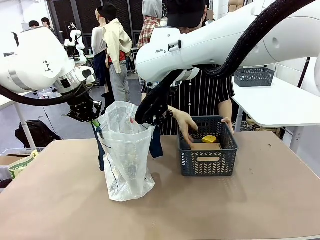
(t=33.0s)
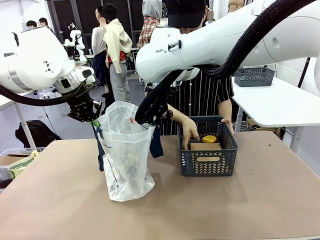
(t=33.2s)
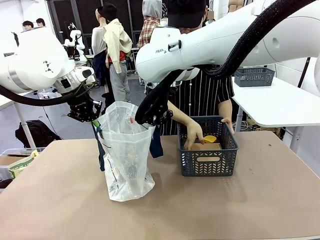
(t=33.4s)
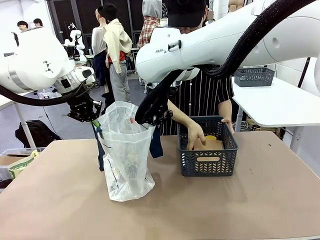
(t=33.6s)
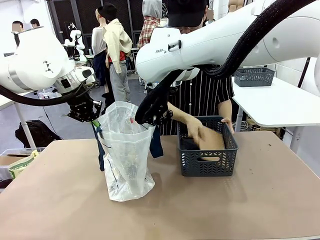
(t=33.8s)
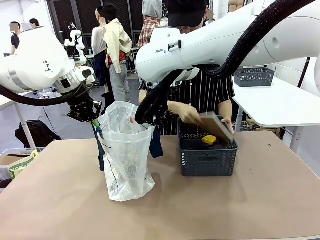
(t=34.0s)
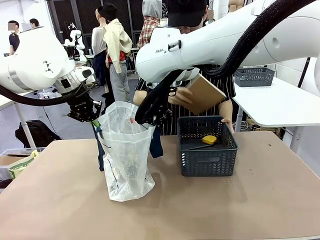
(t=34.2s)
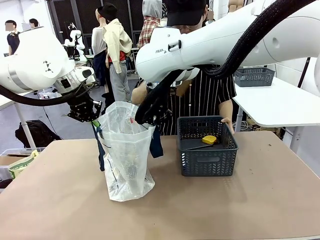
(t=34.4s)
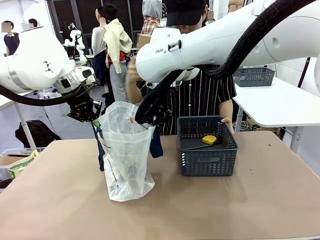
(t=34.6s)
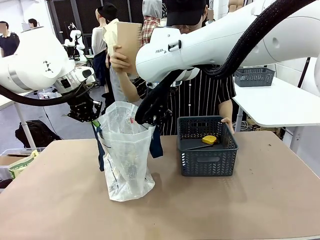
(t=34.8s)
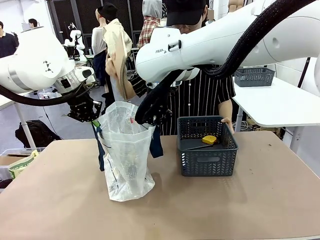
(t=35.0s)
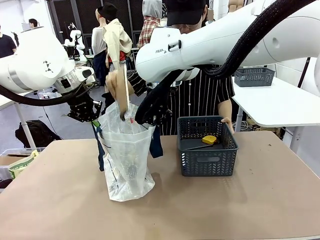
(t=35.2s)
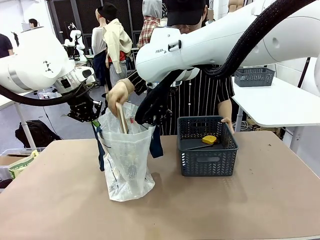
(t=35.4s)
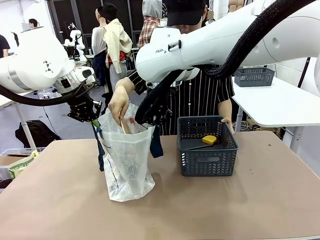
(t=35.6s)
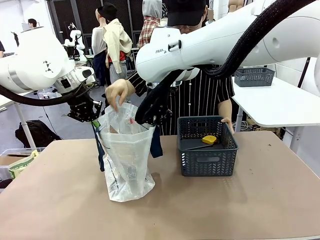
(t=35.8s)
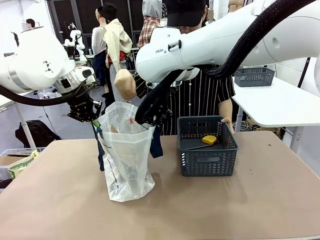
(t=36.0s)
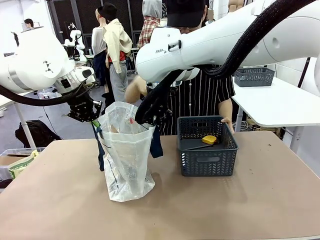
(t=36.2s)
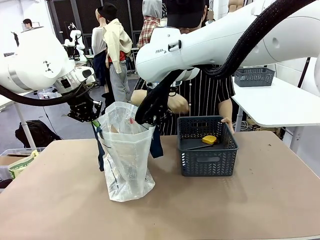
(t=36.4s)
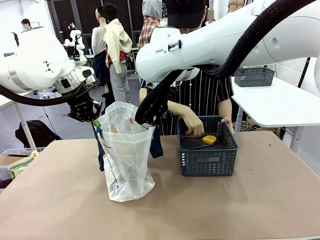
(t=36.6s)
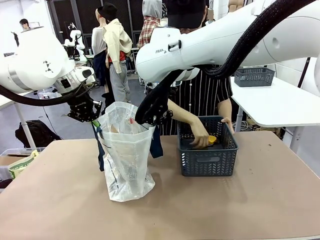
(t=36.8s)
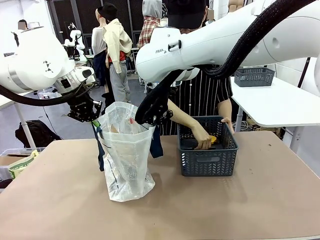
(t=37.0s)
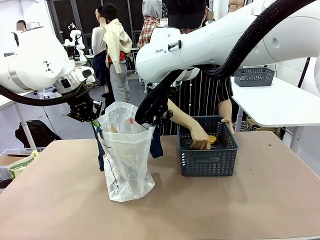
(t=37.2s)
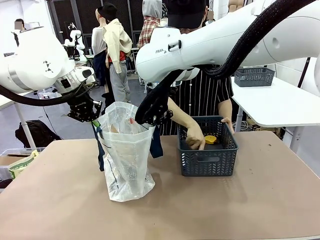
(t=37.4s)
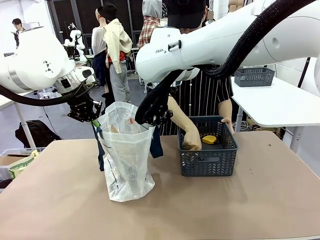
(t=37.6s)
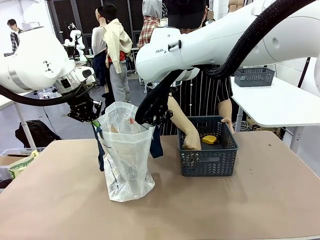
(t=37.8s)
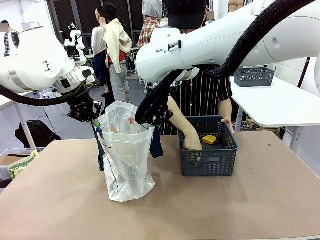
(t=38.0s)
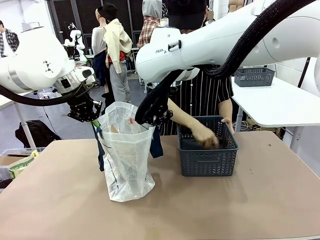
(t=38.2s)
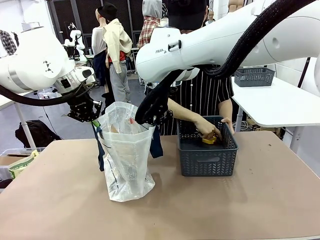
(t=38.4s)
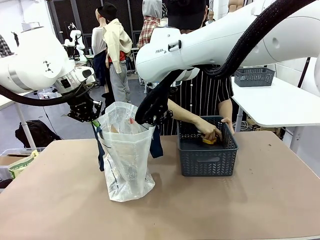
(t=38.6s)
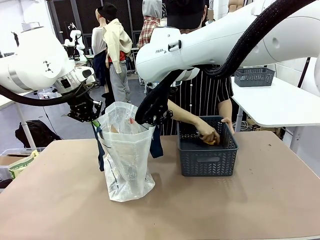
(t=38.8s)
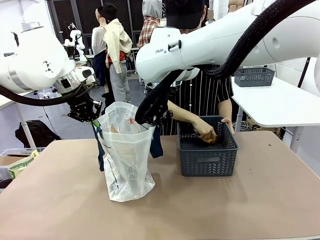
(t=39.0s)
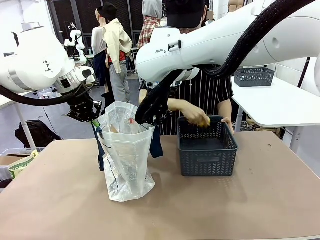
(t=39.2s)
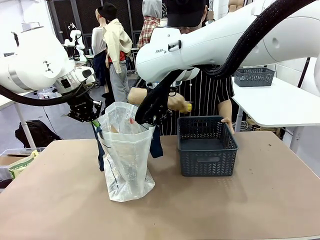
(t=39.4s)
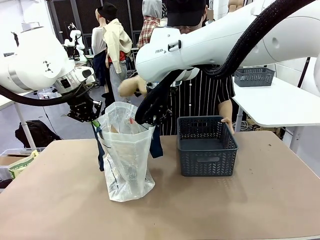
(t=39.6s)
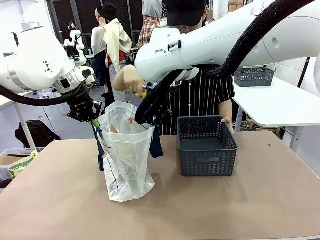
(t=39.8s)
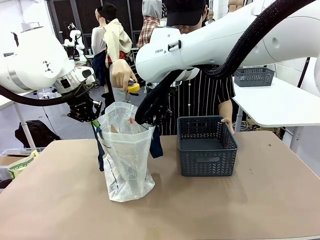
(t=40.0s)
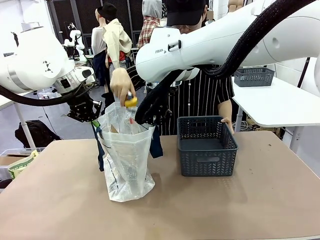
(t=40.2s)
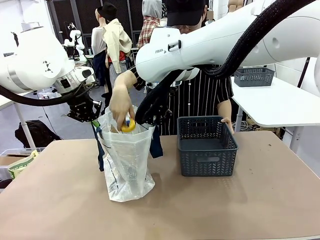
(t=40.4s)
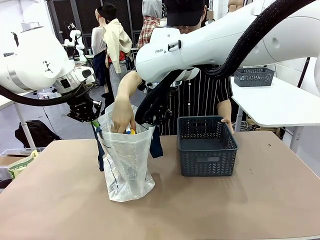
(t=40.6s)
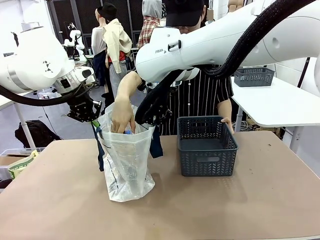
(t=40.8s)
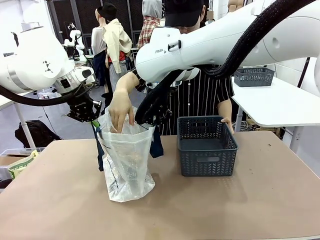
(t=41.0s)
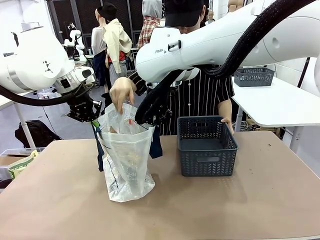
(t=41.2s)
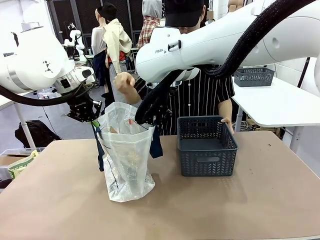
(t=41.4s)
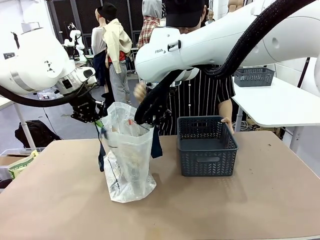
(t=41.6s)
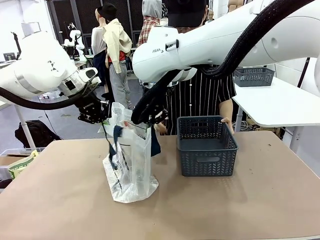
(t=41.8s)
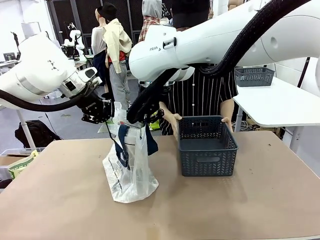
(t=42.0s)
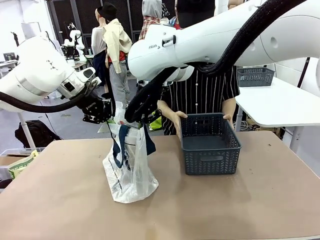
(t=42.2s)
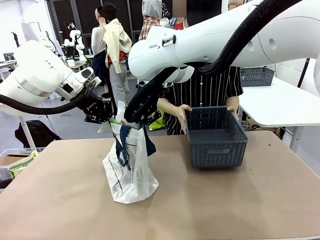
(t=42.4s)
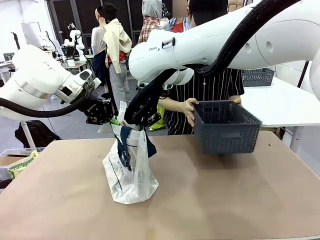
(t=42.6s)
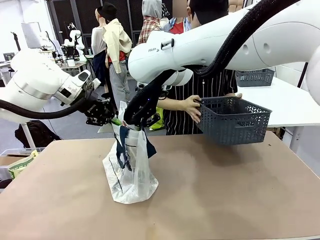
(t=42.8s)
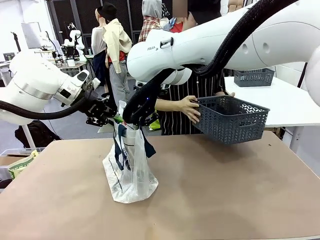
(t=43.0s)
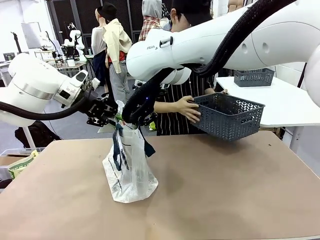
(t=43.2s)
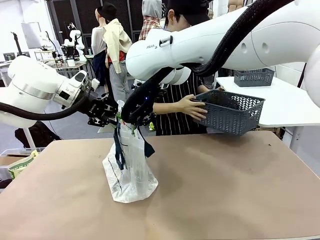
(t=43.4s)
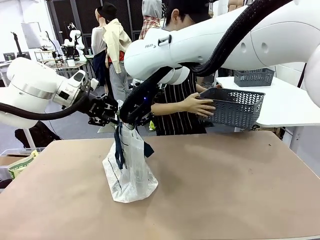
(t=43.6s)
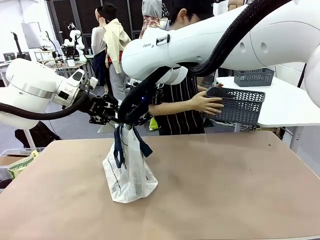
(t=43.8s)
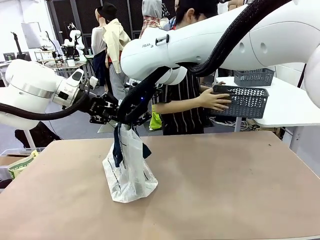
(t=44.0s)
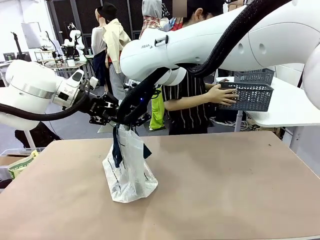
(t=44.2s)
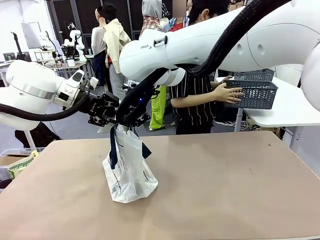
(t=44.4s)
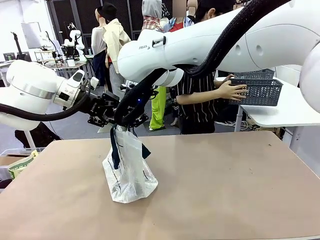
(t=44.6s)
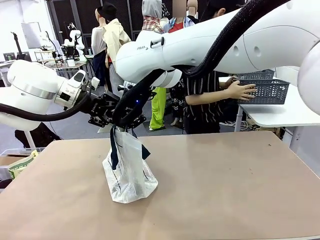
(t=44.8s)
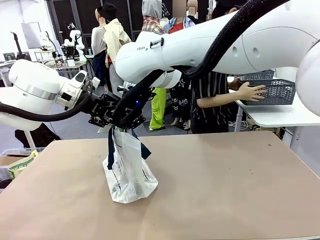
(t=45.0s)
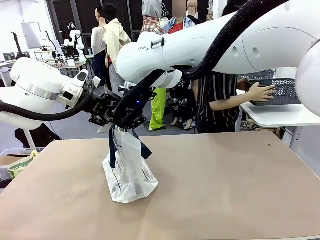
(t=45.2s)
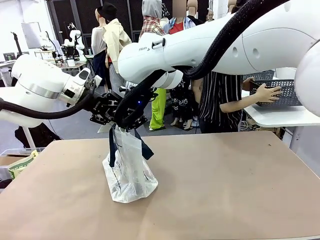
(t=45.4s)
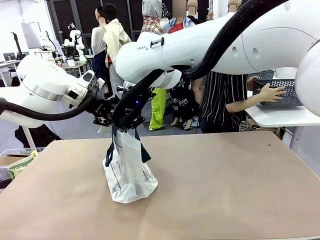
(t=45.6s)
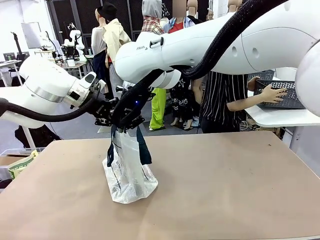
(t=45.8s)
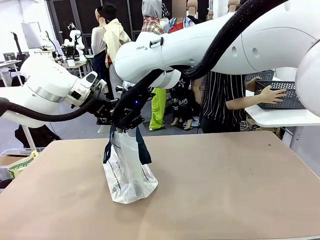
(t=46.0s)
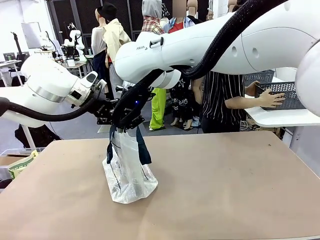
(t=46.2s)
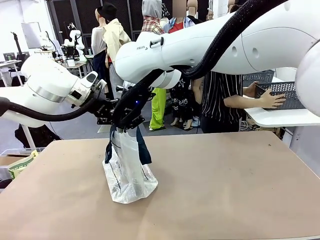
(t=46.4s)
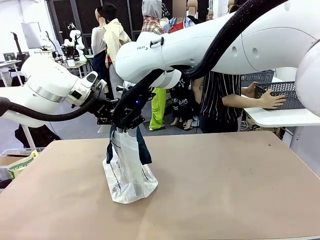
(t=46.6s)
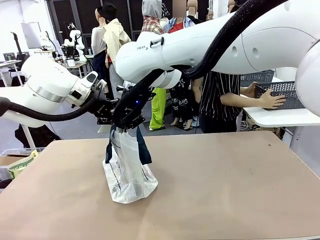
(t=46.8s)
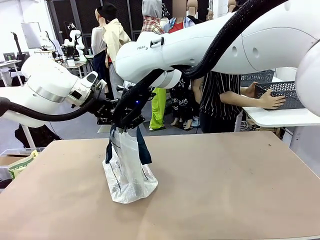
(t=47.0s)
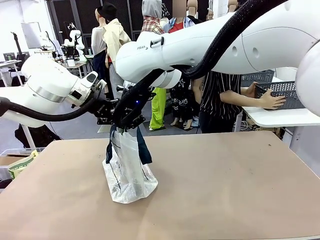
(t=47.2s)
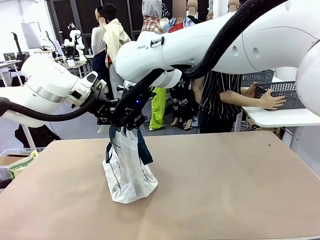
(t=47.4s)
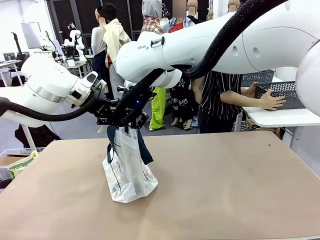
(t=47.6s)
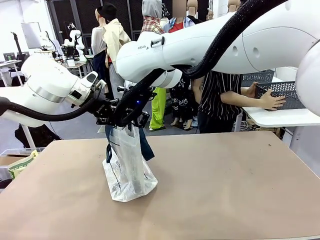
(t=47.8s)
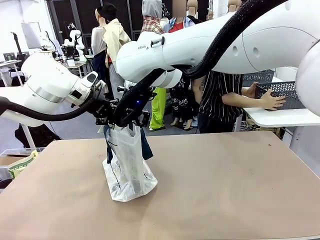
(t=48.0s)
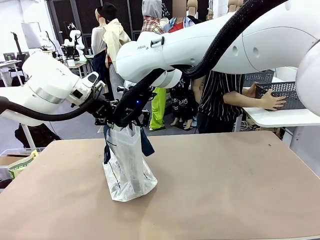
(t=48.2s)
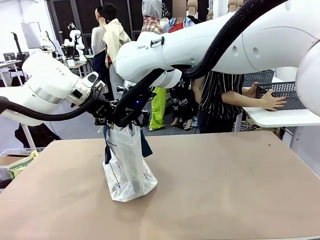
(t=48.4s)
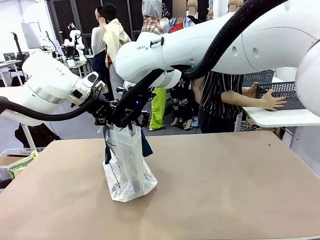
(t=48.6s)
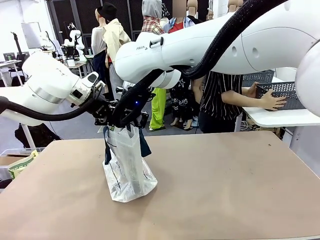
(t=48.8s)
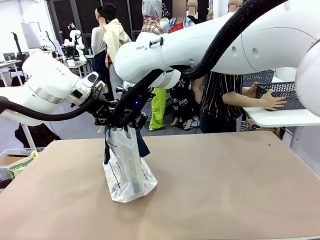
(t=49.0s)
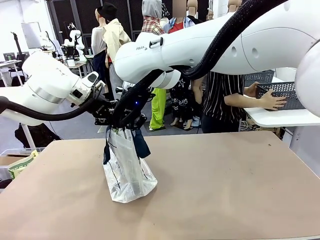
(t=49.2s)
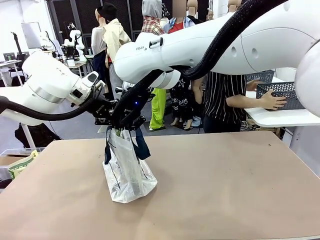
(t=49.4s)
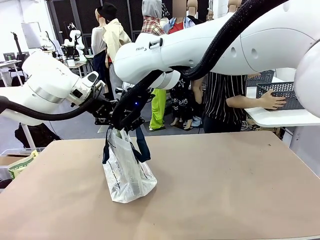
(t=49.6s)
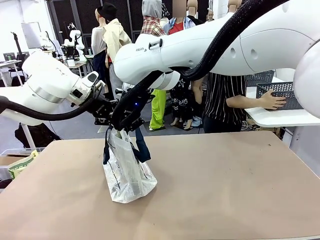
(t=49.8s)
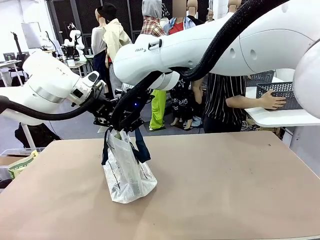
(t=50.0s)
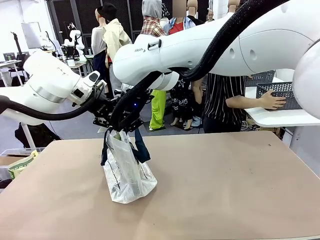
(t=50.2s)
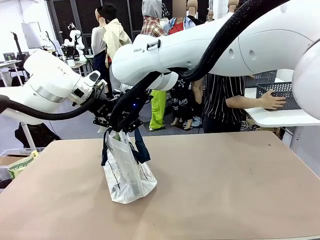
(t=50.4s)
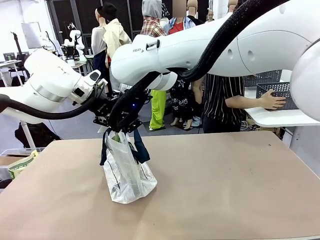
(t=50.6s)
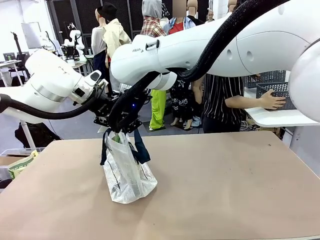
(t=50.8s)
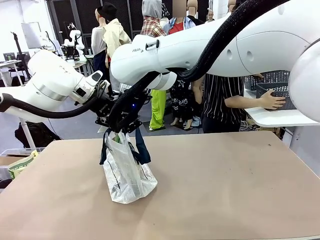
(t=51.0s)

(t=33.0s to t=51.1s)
Task: Transfer purchased items from the store into the shopping bag.
Robot: Move the Reusable shopping bag to the right side of the table.
Person: Pick up the basket with the items out and place it on the right side of the human table.
